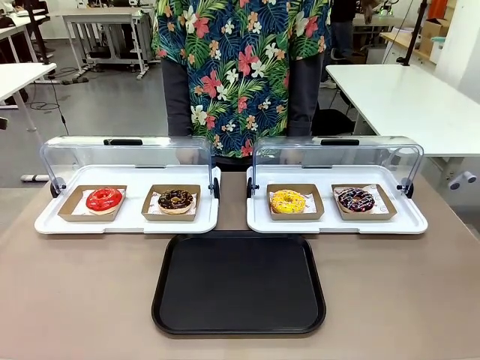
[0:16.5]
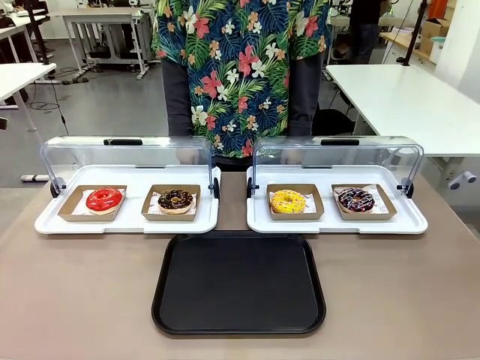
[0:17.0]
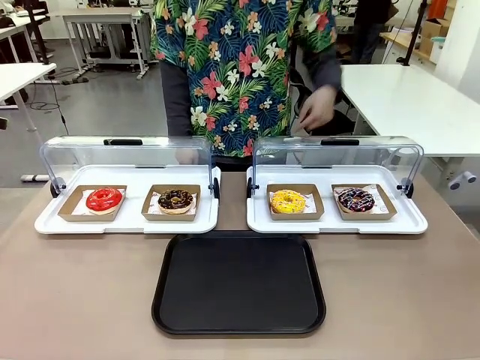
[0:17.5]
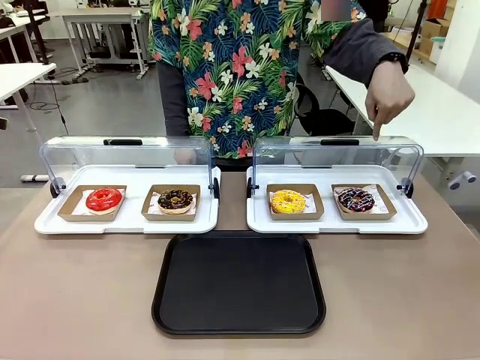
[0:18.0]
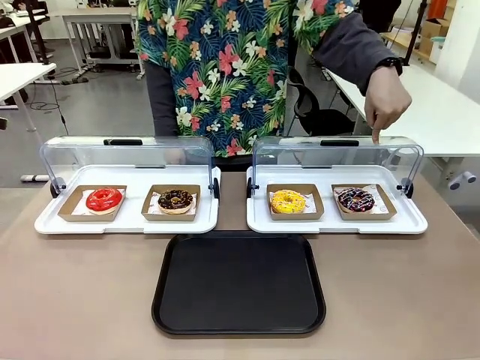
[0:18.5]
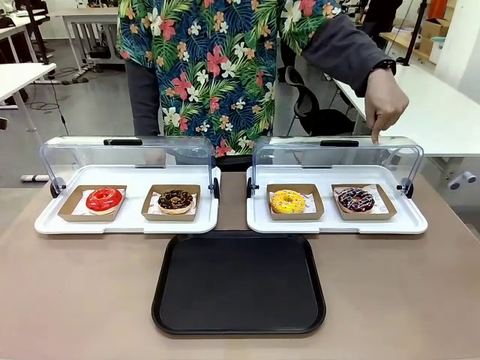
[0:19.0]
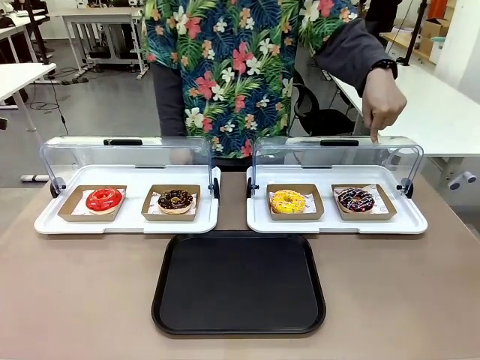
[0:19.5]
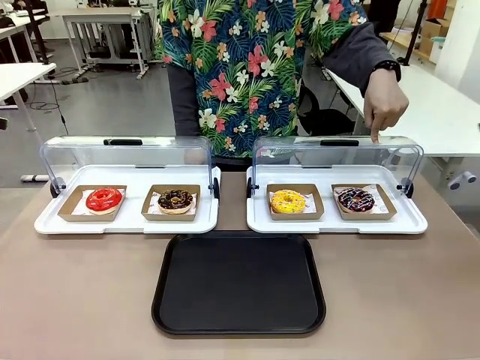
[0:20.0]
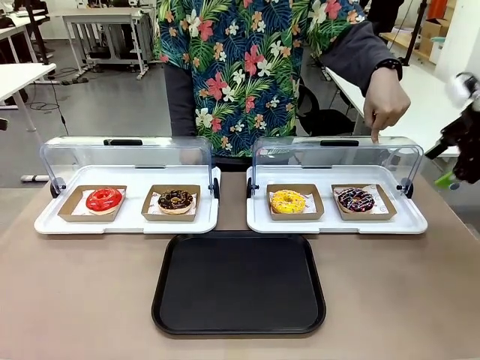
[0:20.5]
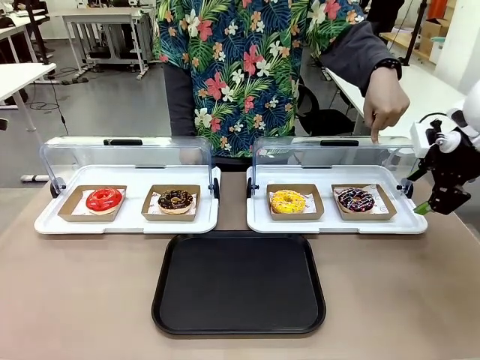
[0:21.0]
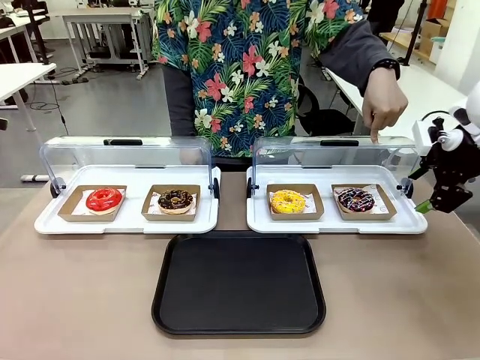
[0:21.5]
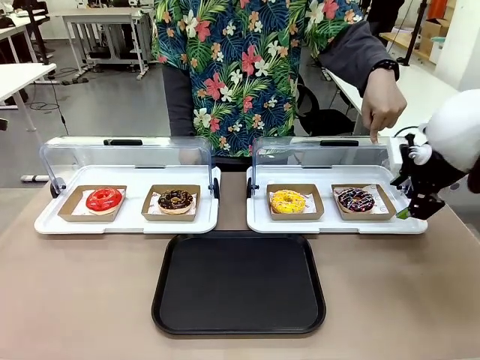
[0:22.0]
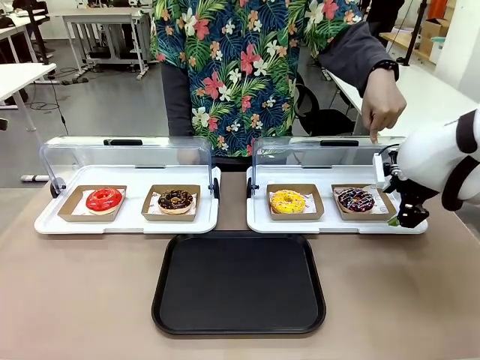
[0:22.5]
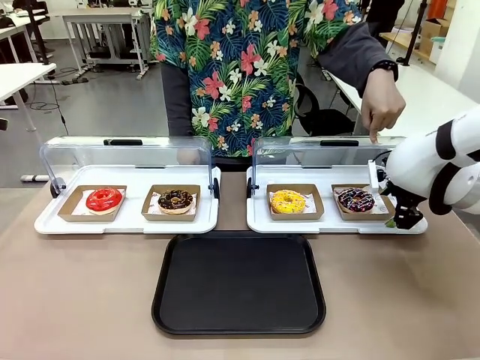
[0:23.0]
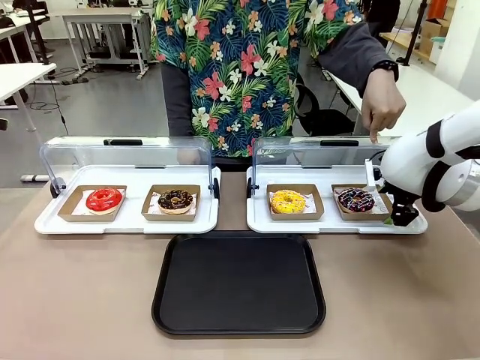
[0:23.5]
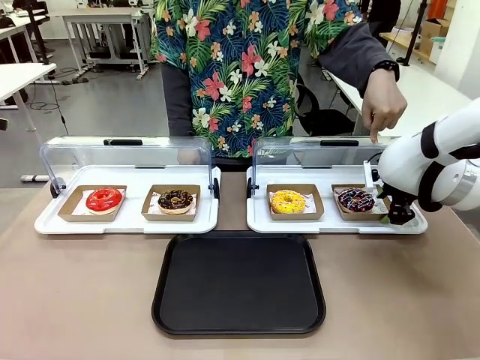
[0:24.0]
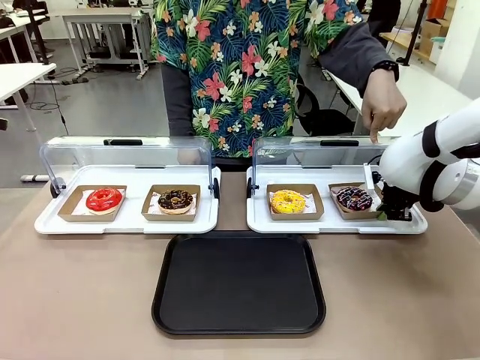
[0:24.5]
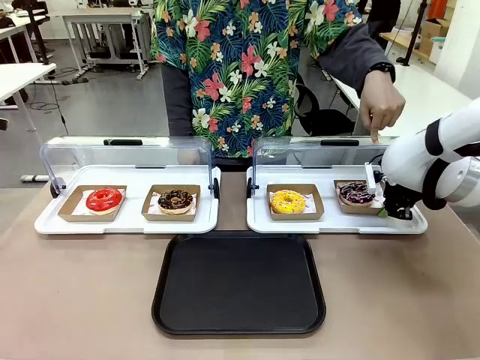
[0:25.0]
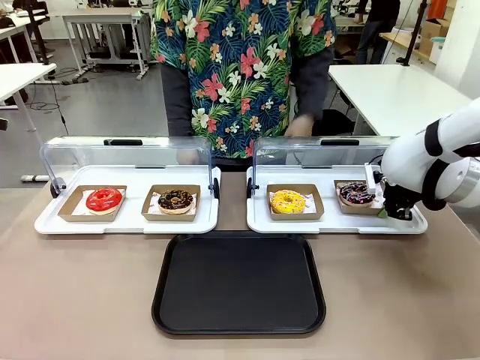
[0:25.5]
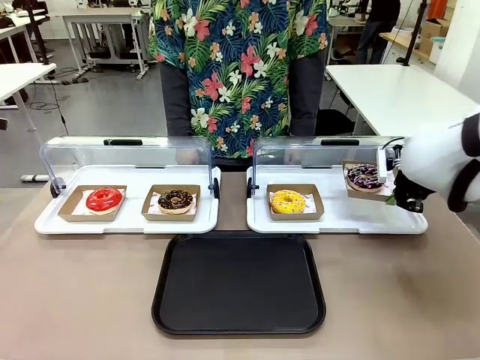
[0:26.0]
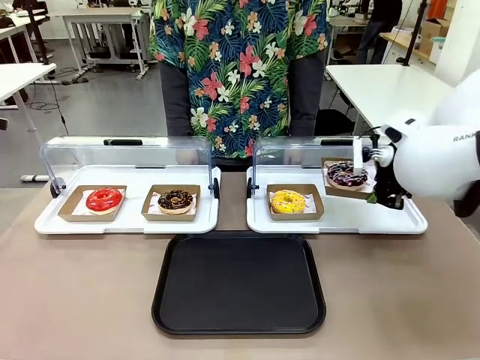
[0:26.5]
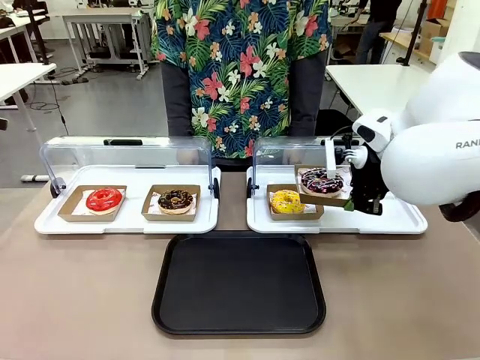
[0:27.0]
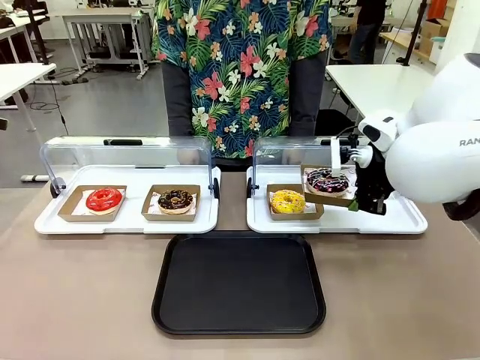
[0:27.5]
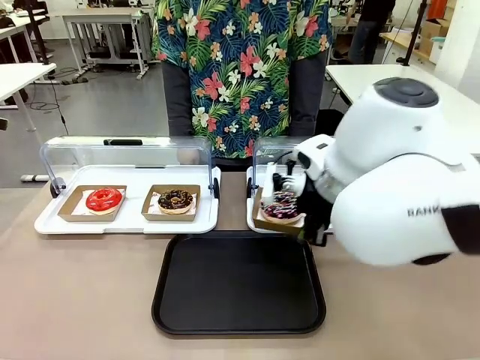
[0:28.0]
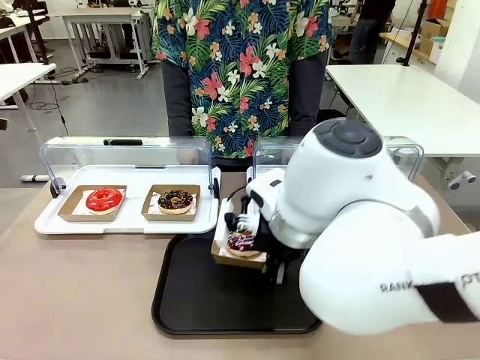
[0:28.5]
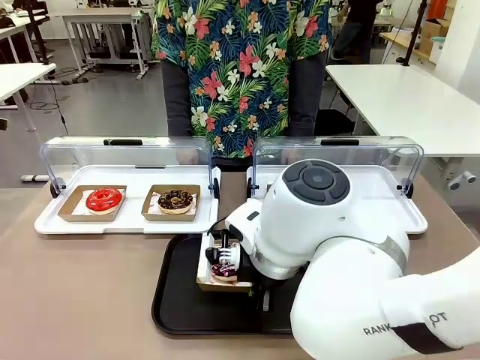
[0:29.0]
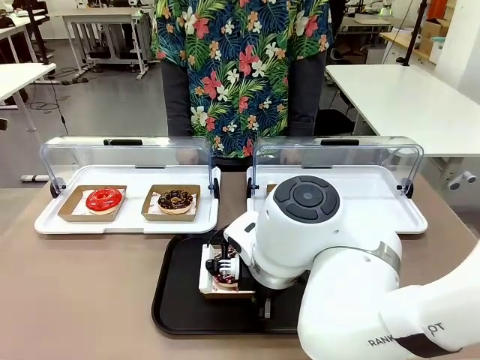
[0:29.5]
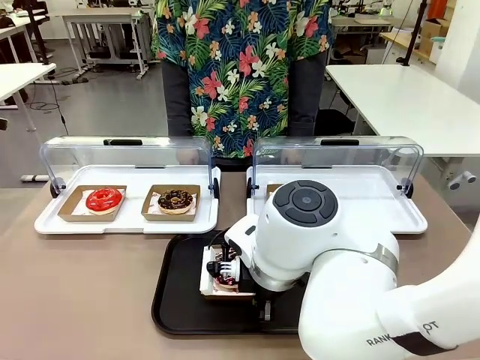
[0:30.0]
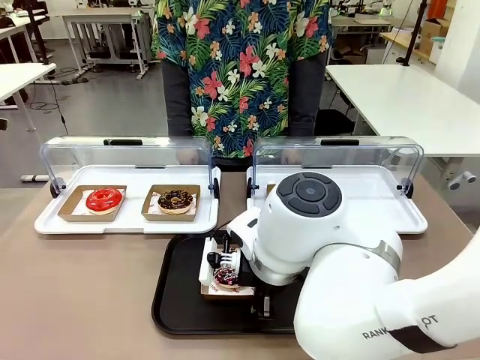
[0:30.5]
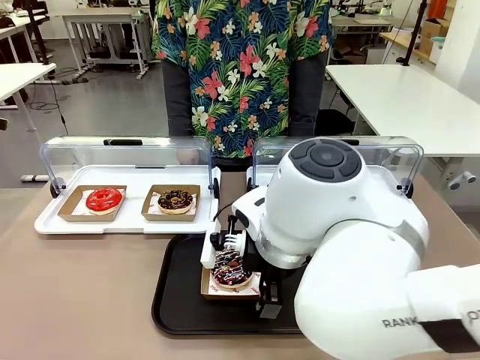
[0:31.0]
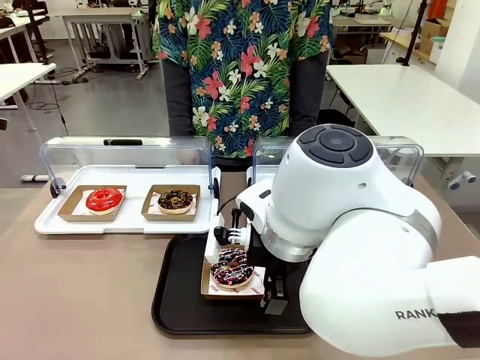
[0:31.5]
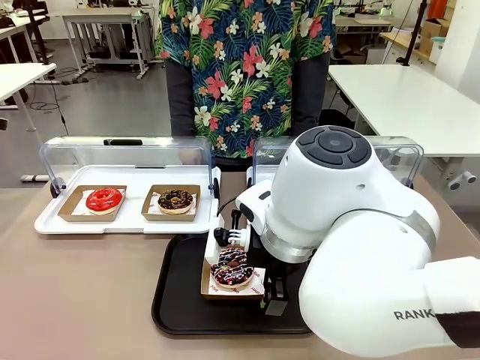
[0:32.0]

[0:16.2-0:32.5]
Task: Move the fourth donut from the left to the tray.
Robot: Pick up the Paper togo box containing the Donut indicated by the person and place it on the Handle tray.
Person: Points to the fourth donut from the left from the robot’s perspective.

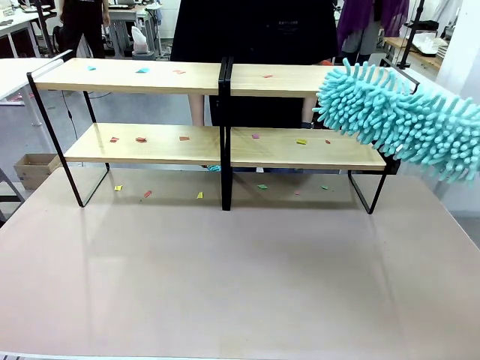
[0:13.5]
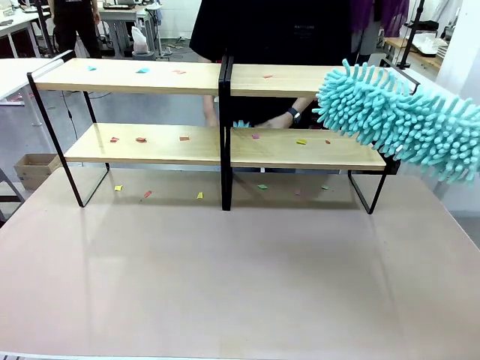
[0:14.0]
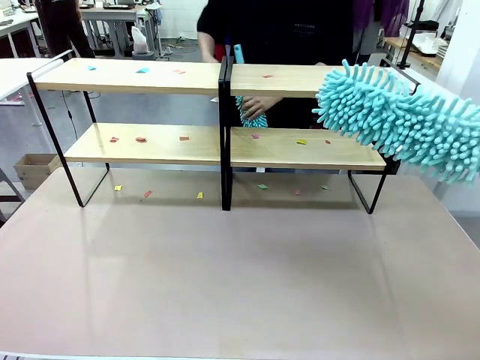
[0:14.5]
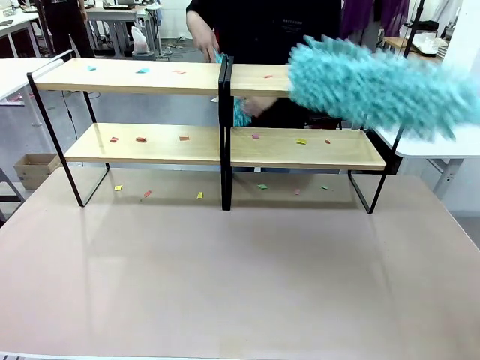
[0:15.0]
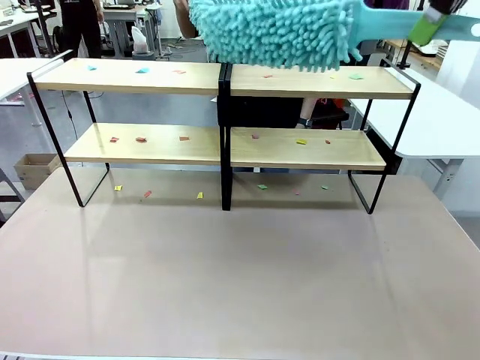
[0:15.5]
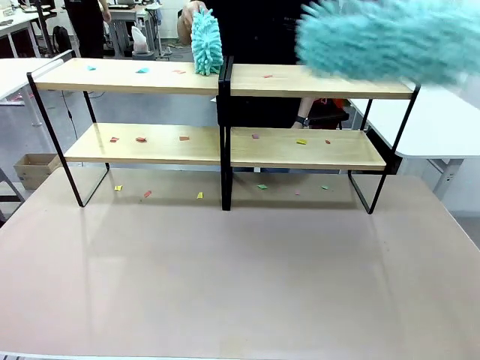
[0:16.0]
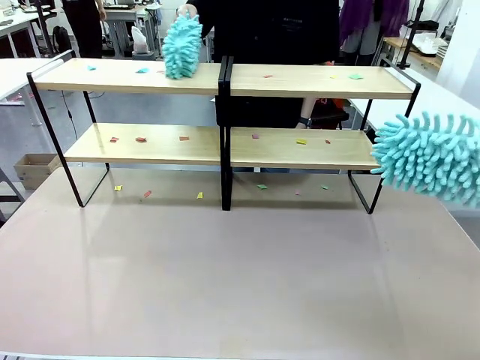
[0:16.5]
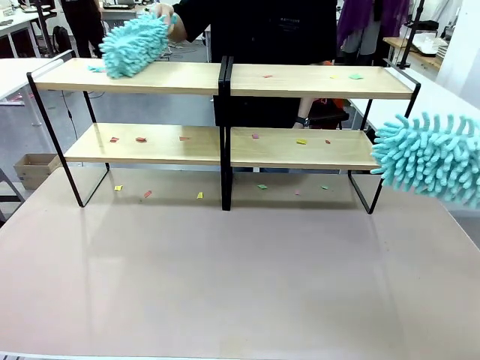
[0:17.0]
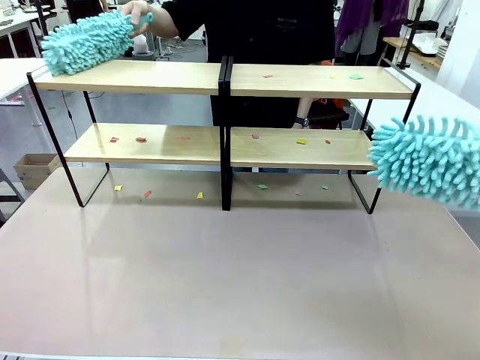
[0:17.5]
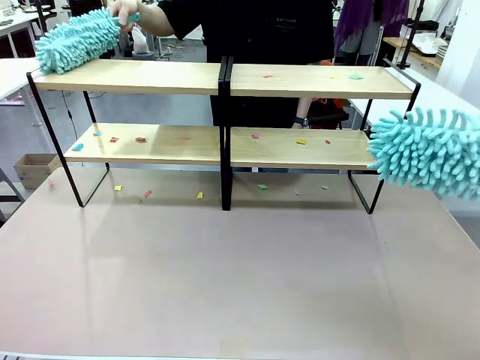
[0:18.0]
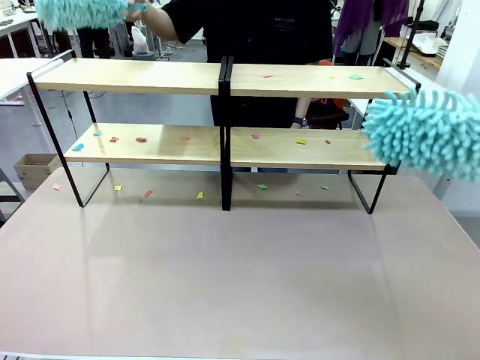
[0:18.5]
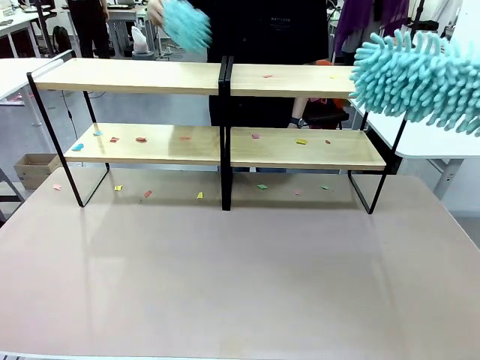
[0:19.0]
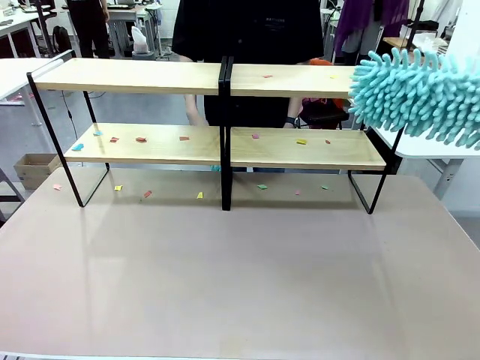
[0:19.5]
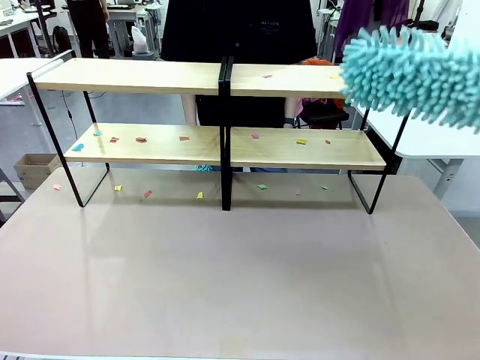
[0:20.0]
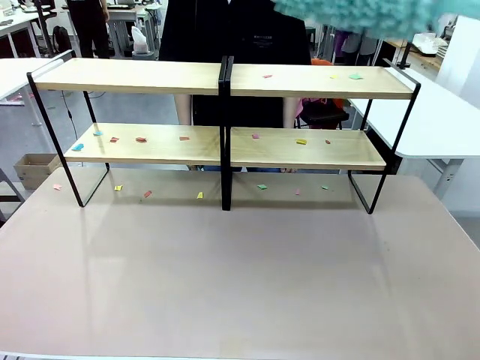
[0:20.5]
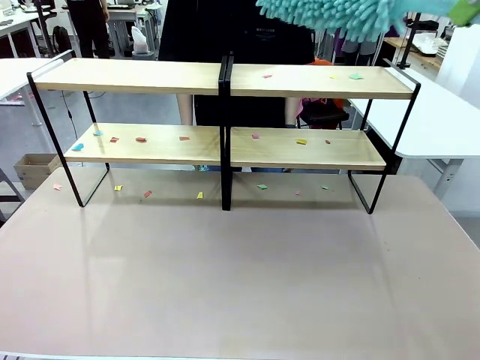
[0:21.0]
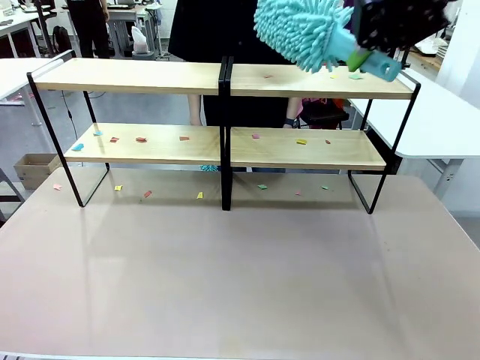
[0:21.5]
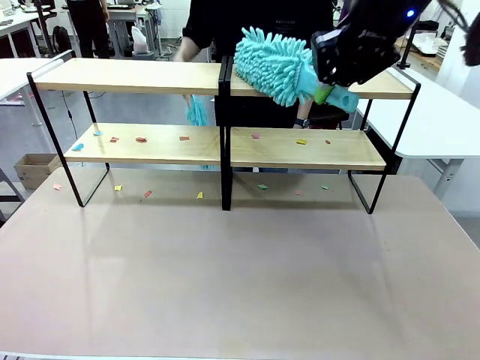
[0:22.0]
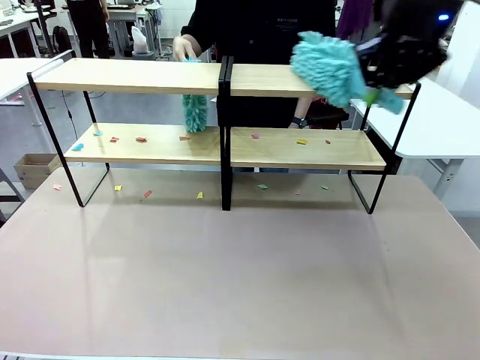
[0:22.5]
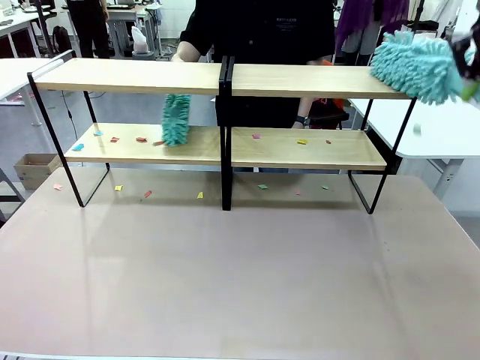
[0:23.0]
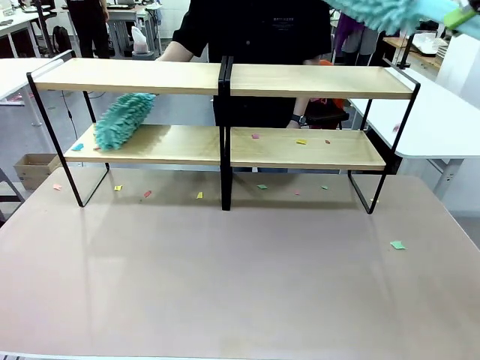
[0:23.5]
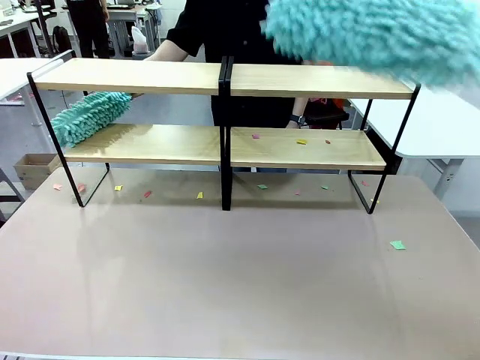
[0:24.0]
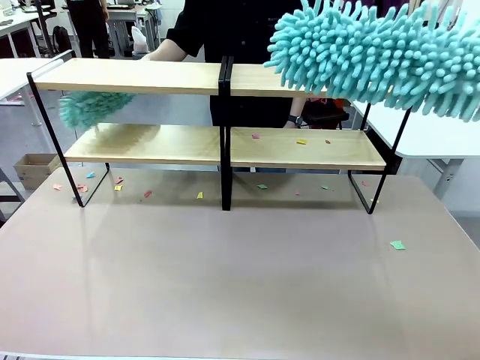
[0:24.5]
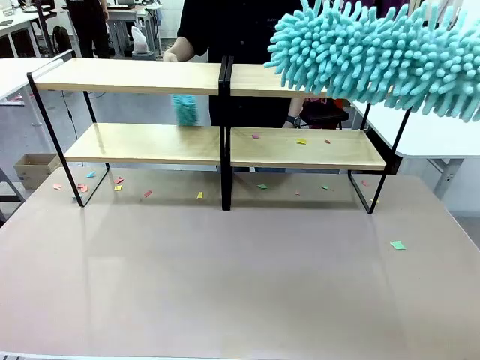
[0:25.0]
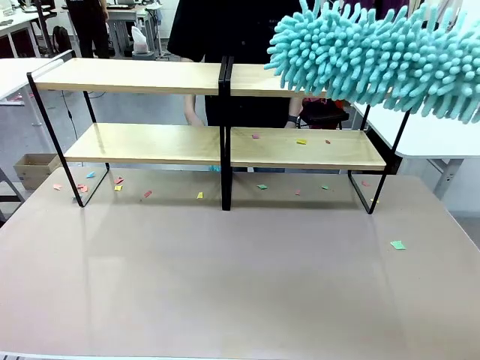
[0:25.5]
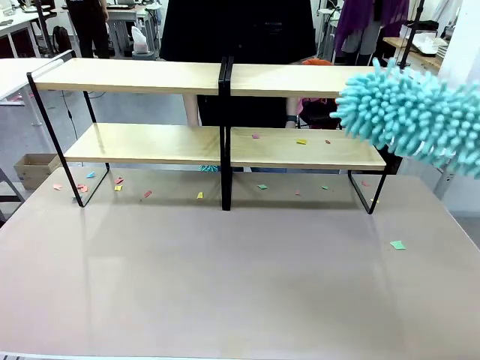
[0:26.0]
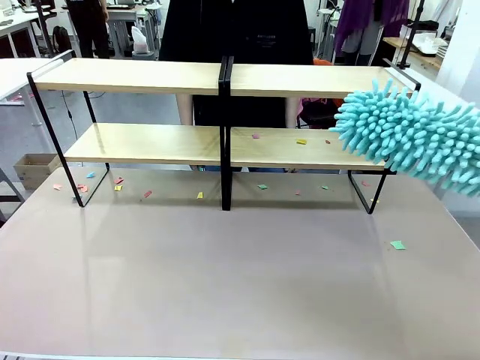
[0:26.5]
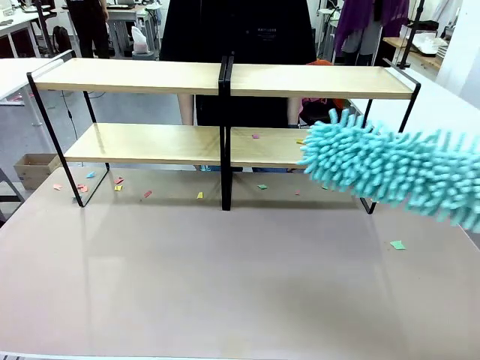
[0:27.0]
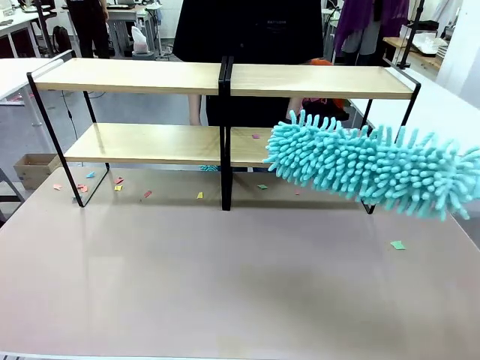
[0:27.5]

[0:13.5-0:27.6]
Task: Clean the shelves.
Robot: Clean a randomly selected level of the Shelf with the Duster.
